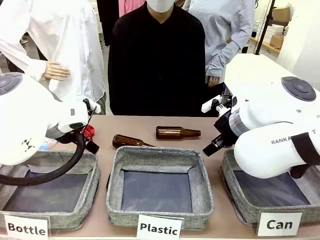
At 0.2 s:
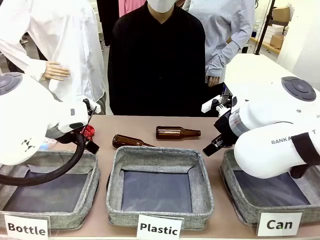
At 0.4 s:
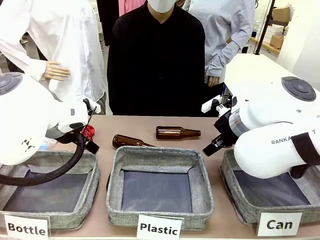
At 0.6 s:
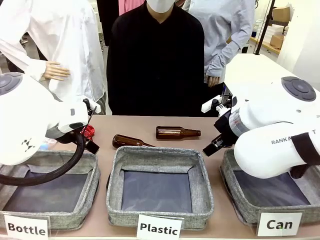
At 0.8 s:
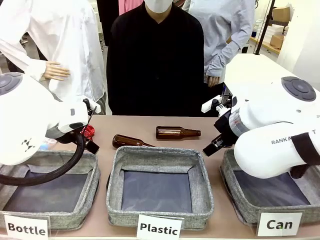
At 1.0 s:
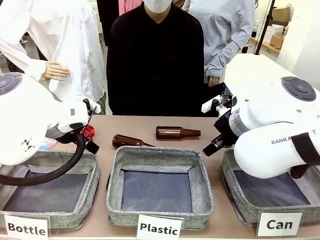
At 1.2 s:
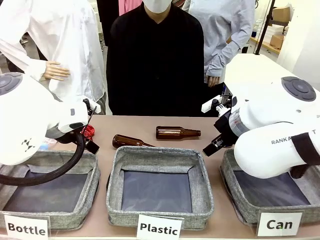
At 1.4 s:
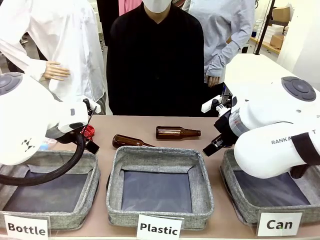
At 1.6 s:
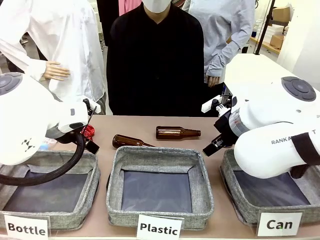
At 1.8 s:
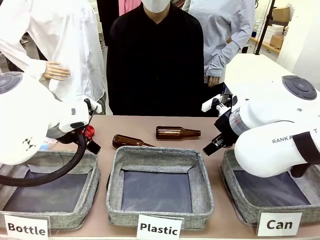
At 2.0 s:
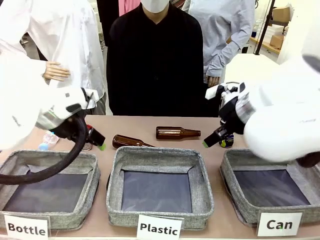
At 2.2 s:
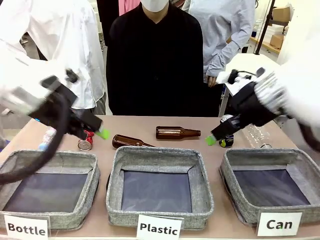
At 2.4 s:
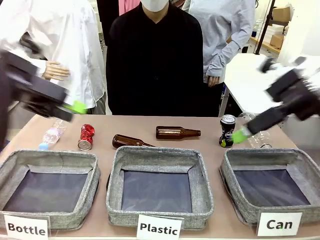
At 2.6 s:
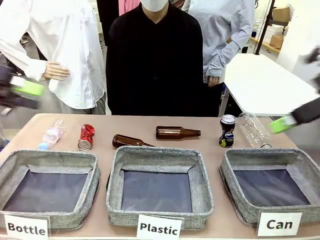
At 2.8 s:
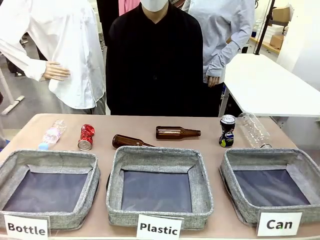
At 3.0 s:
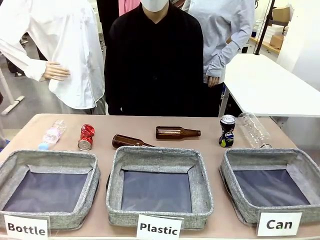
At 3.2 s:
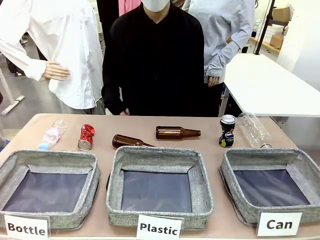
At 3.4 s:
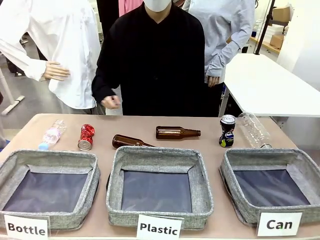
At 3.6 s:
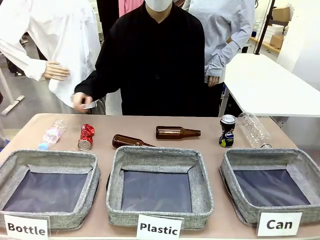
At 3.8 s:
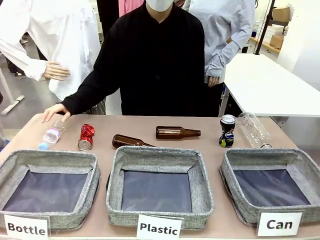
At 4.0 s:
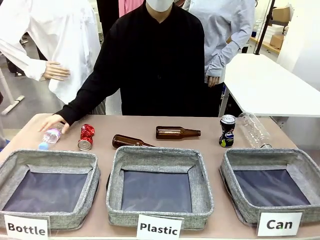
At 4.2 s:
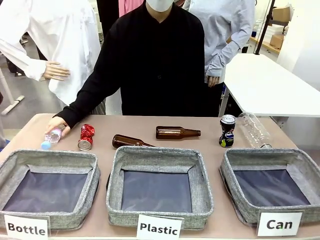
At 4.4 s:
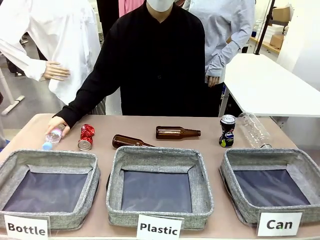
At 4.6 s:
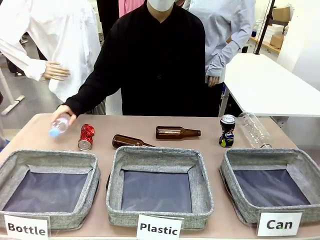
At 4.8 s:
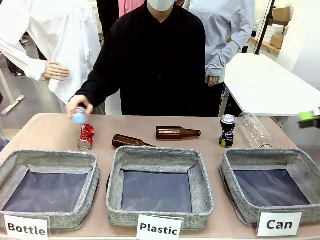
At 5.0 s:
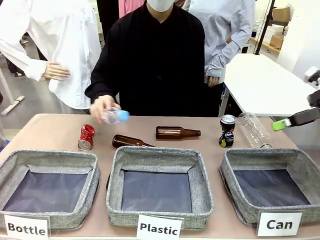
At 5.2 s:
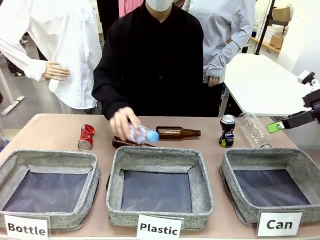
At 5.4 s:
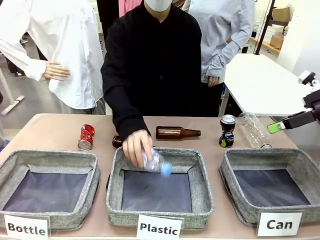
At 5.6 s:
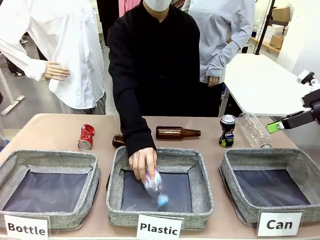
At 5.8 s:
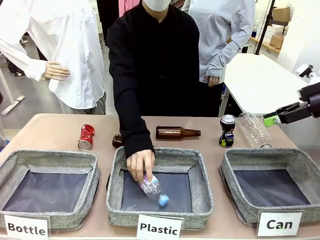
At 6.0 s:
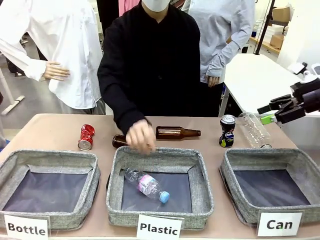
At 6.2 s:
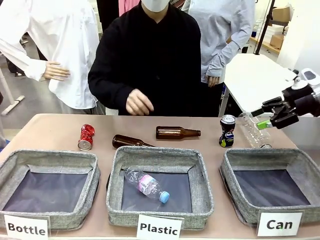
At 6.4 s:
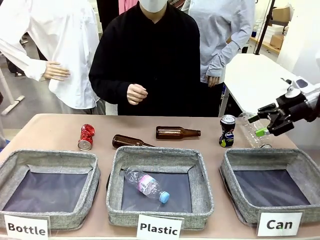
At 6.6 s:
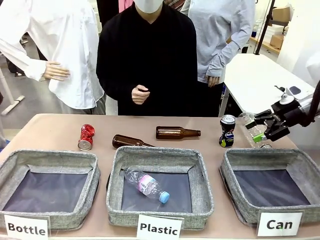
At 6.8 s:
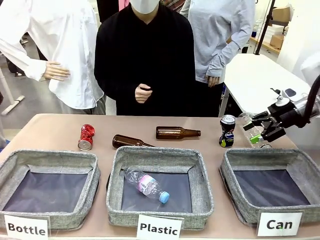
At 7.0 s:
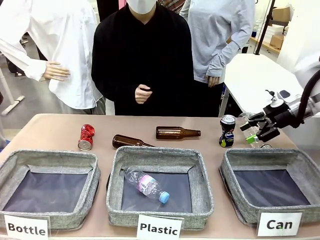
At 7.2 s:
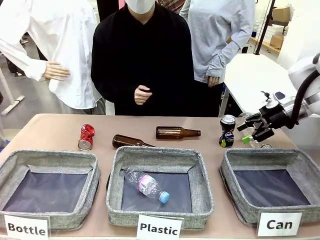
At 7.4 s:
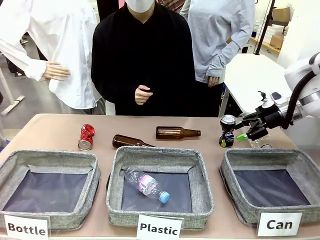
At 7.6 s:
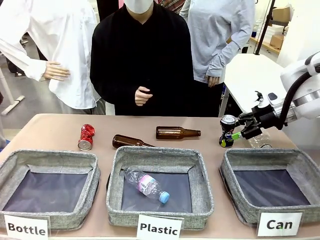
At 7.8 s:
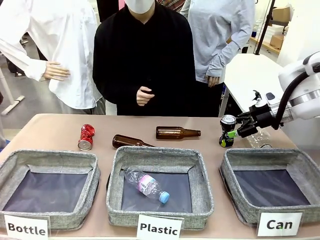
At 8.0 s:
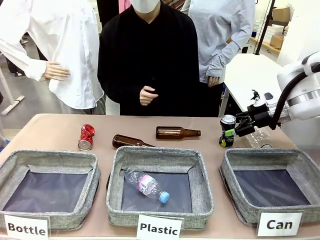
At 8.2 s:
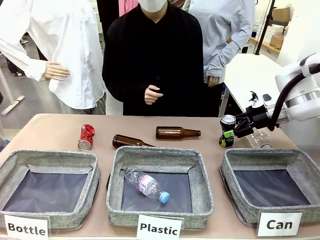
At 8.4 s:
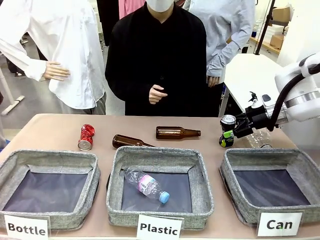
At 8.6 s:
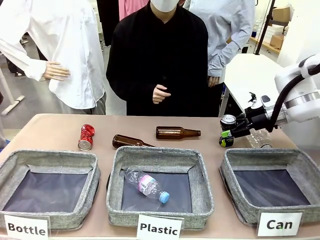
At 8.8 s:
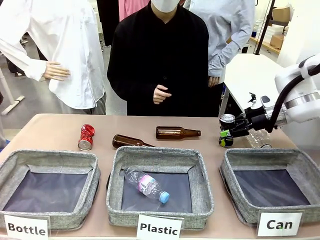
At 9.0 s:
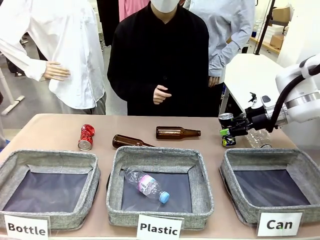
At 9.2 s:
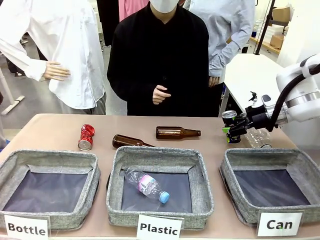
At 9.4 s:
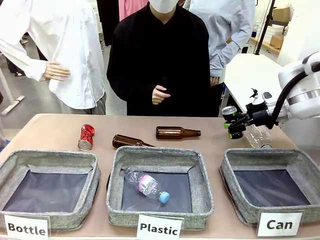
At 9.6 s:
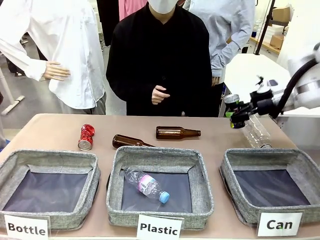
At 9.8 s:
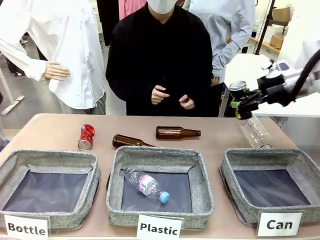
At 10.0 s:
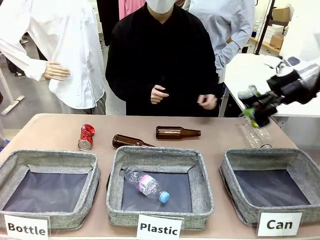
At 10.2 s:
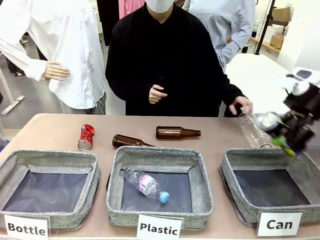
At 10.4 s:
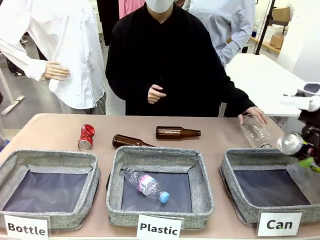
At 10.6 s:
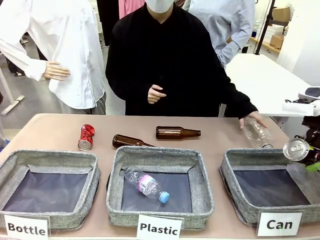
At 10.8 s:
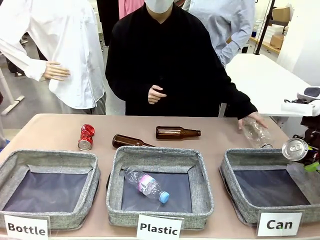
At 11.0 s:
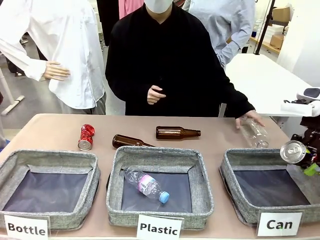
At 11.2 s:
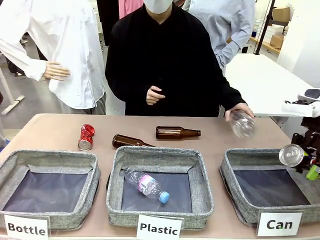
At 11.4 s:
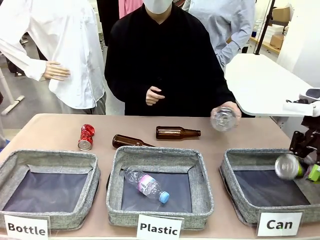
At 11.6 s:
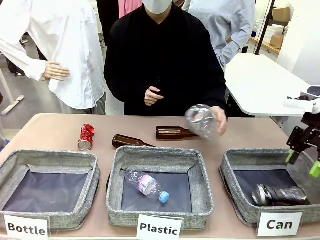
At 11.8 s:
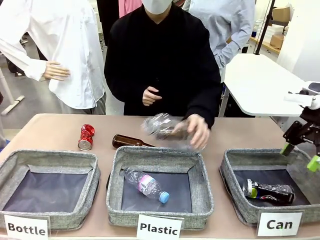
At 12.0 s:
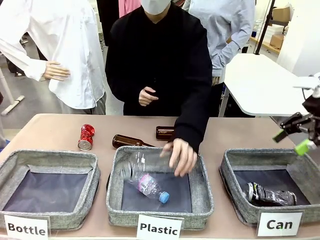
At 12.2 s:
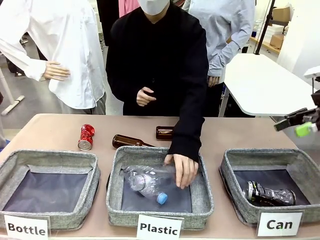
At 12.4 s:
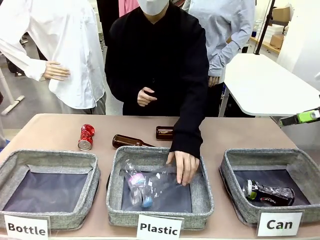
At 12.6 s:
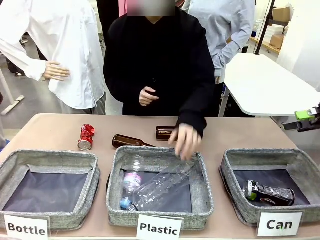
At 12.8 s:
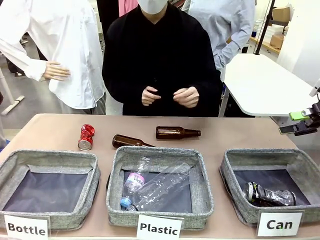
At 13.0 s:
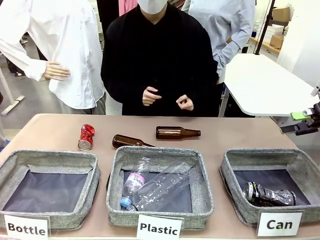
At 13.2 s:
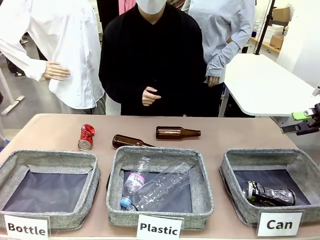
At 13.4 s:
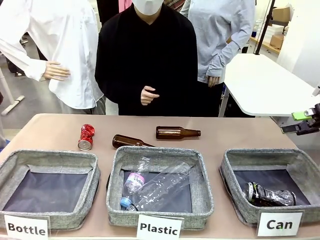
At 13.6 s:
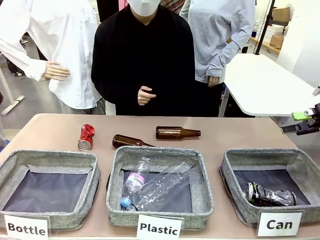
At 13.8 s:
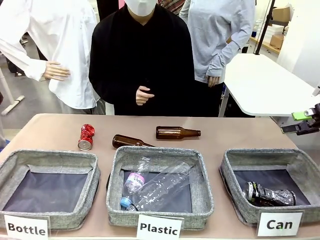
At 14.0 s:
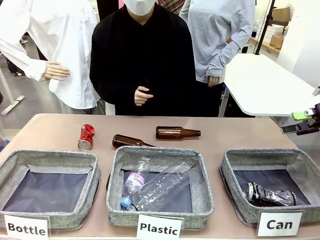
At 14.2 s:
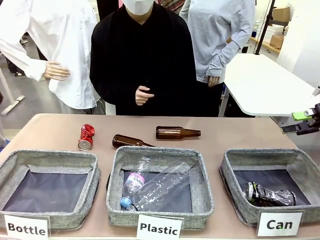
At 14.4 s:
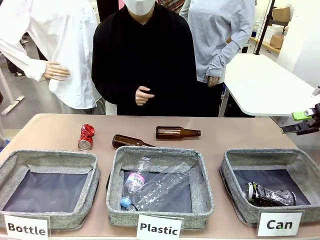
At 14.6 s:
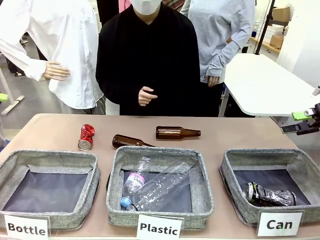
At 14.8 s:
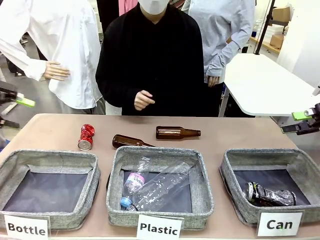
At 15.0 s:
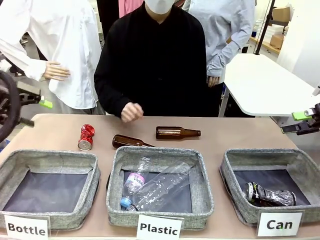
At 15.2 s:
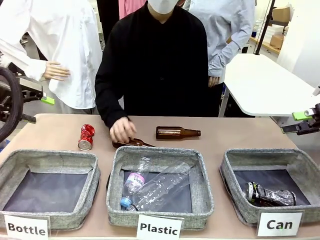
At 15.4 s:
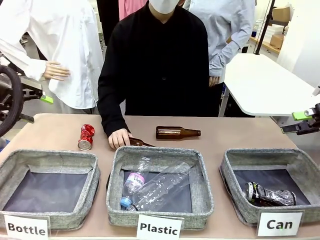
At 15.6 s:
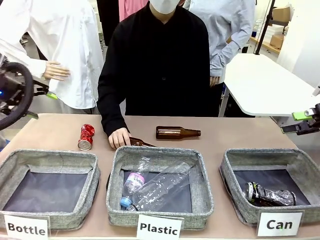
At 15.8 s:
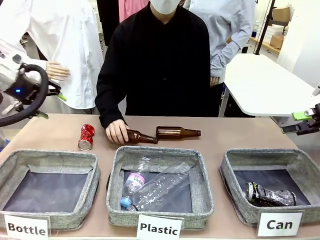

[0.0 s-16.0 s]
Task: Sort the can waste into the basket.
Robot: Pick up the can waste from the table and place it in the right Fabric basket.
